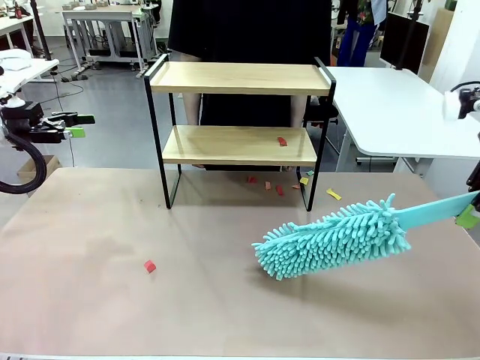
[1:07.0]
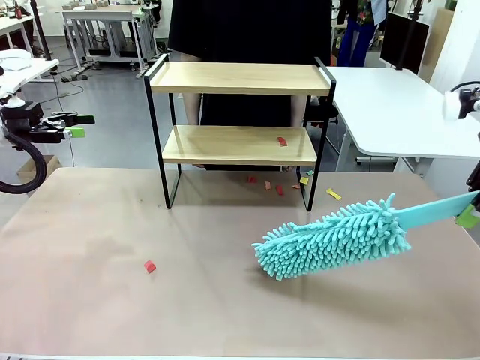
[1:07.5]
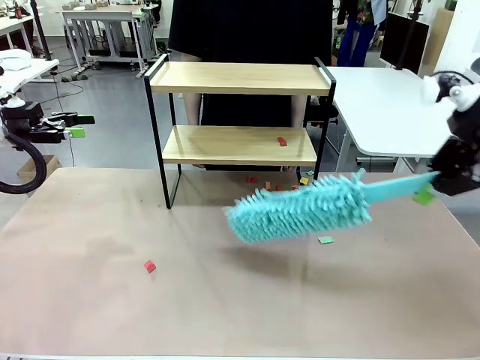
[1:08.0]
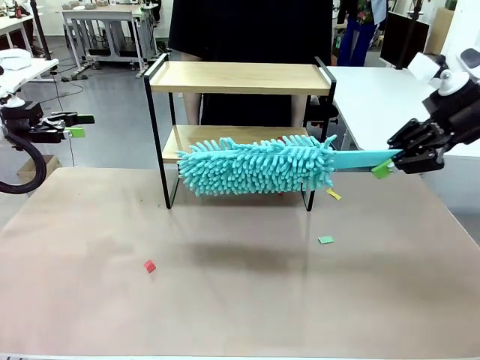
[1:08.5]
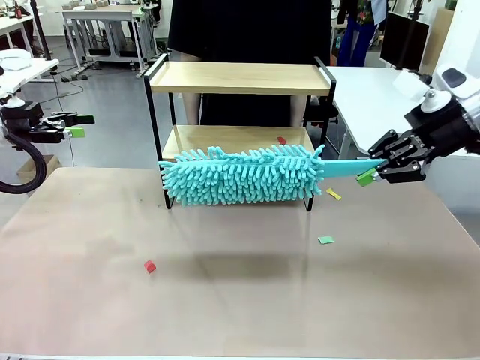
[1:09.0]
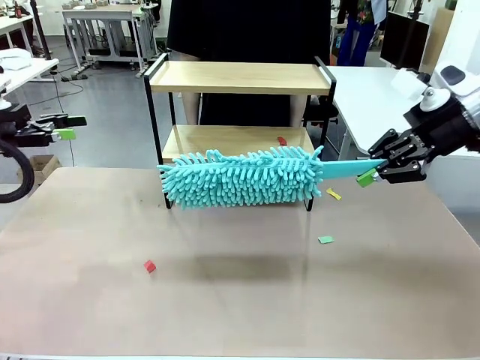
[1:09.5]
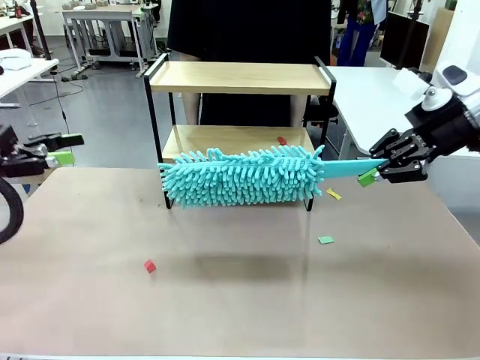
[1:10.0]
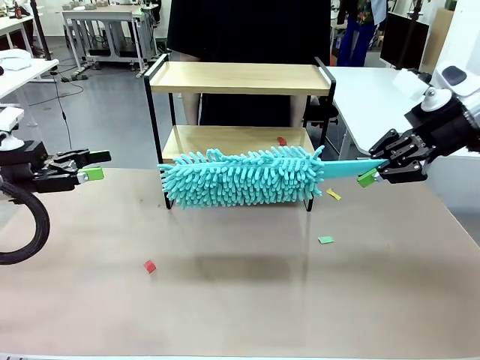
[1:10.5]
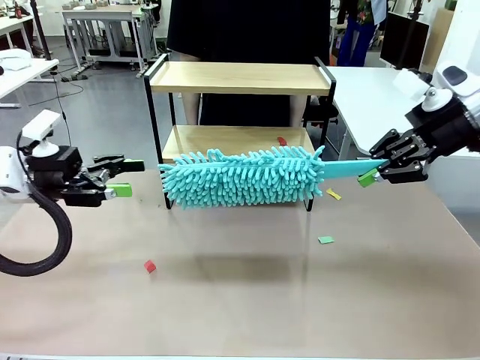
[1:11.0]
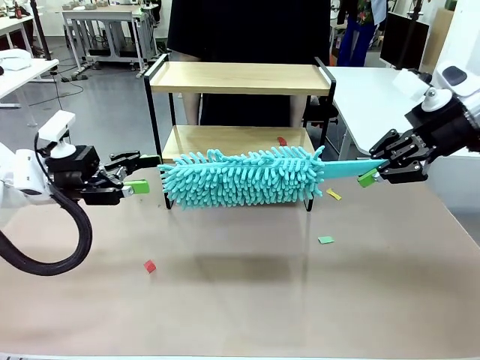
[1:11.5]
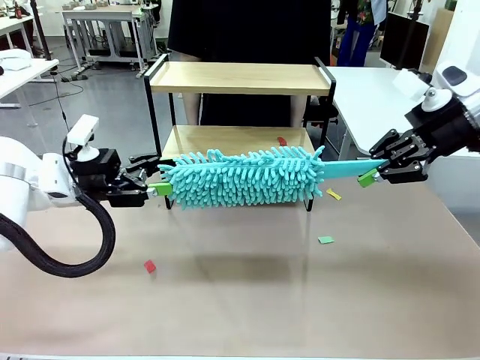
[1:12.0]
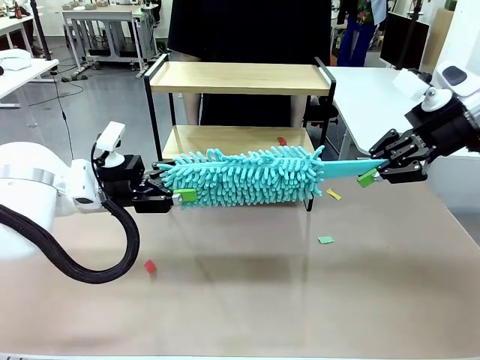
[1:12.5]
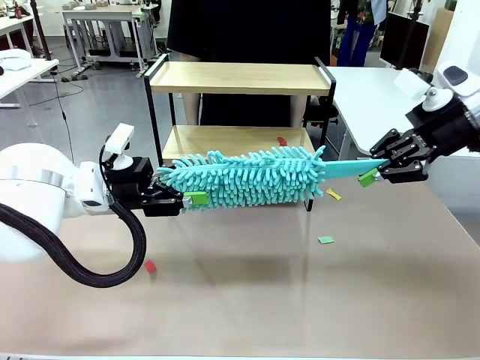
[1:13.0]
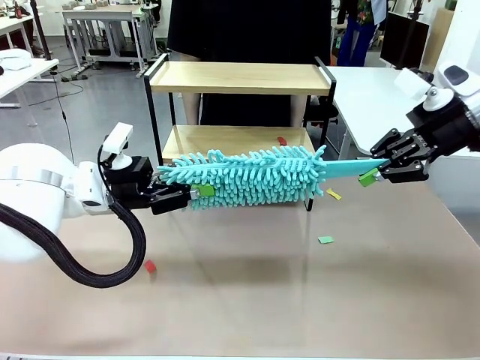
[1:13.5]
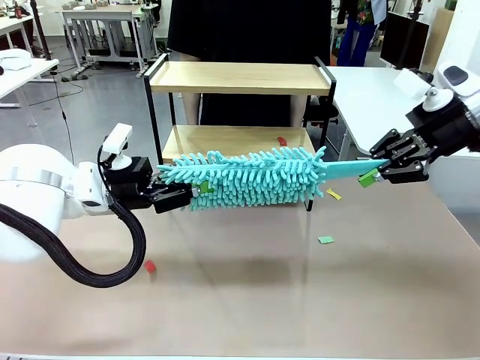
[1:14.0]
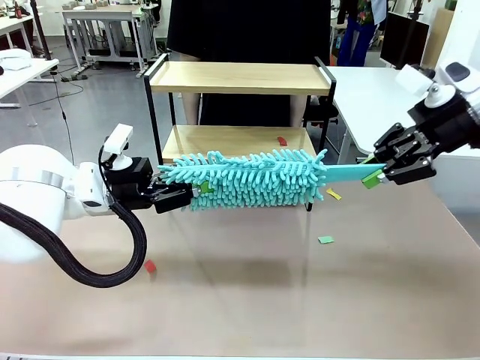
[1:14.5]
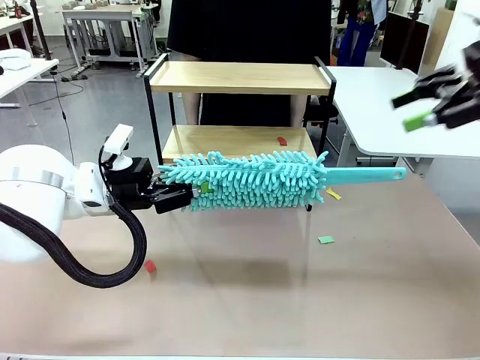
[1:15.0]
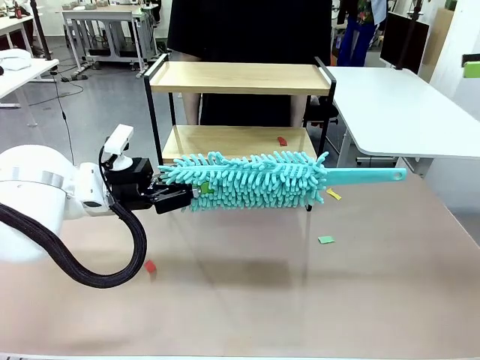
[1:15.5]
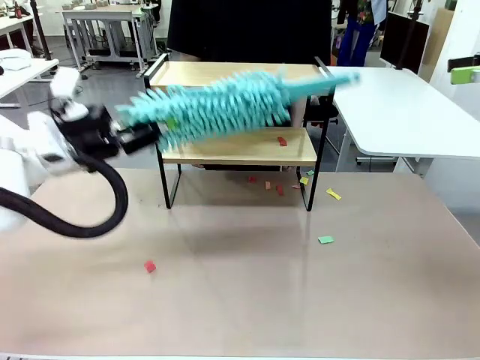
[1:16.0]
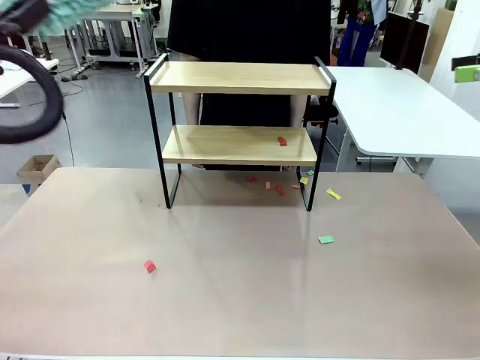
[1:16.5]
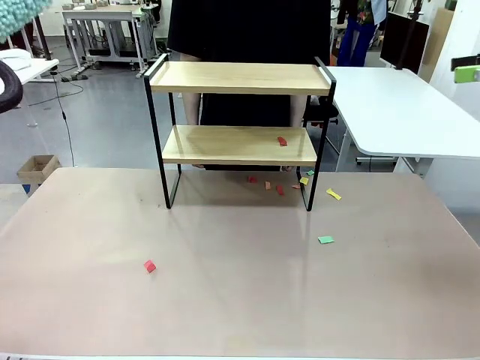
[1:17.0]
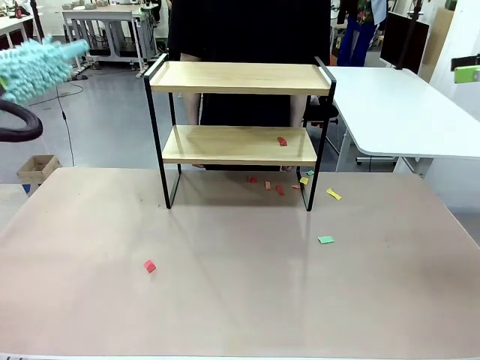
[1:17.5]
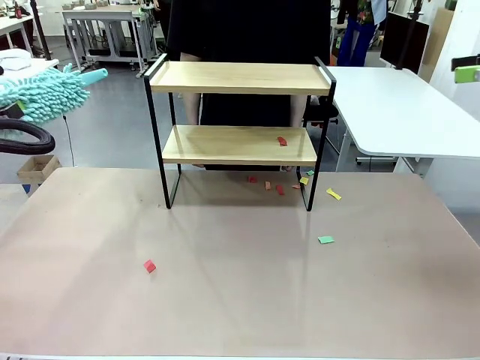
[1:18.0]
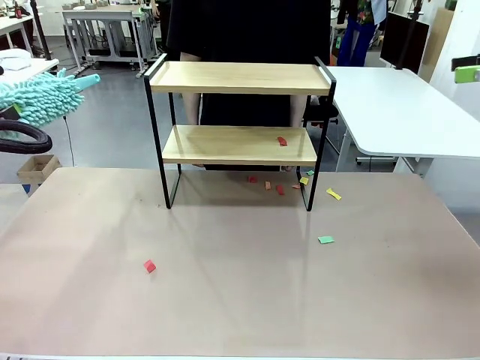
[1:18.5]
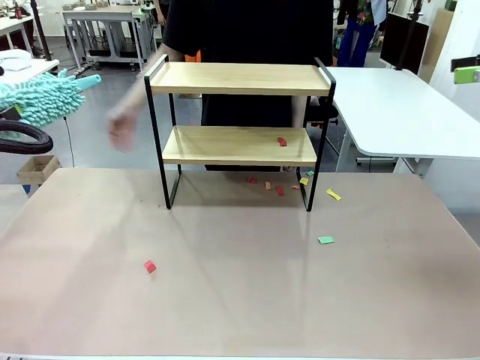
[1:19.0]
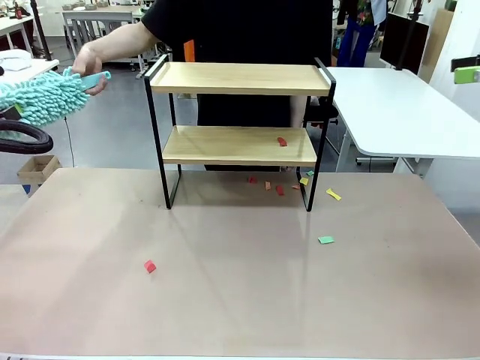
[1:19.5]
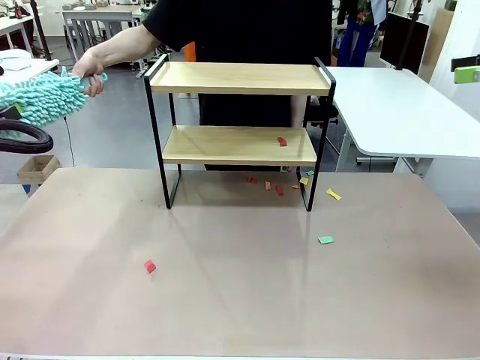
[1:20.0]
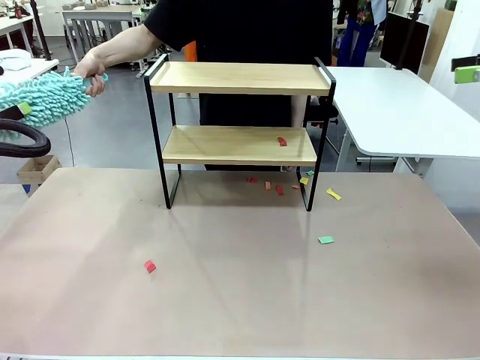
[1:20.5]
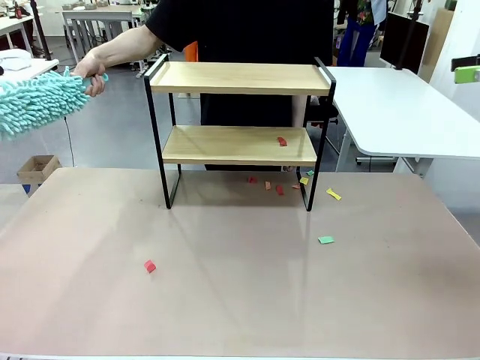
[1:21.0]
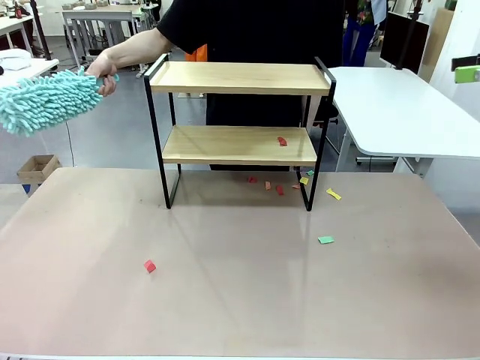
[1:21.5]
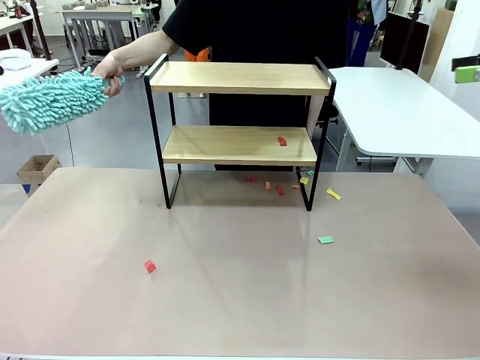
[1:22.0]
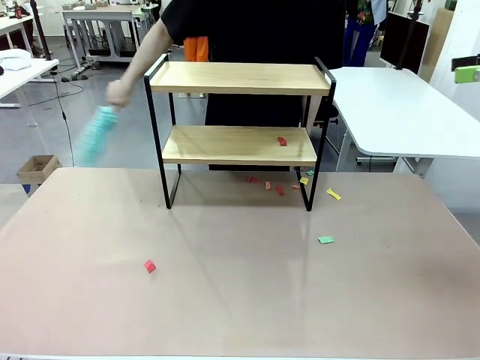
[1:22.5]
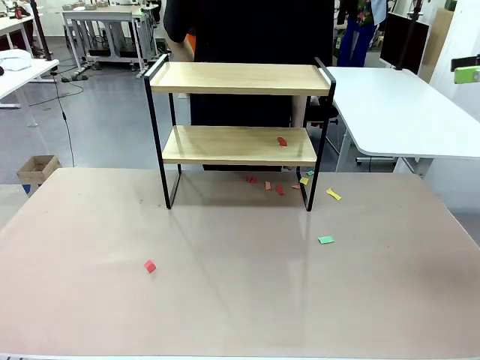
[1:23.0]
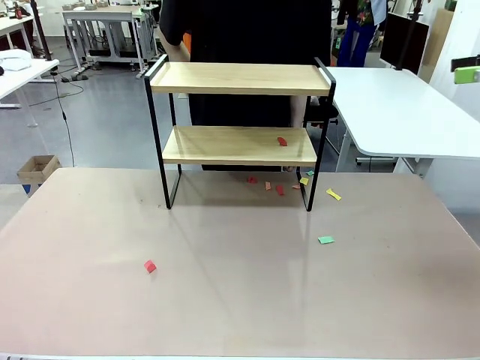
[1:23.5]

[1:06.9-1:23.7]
Task: Clean the shelf.
Robot: Hand the Duster back to the human.
Person: Receive the Duster from the robot.

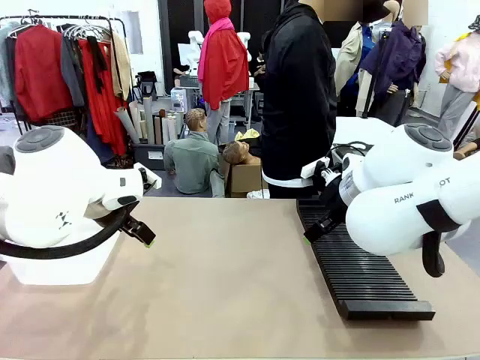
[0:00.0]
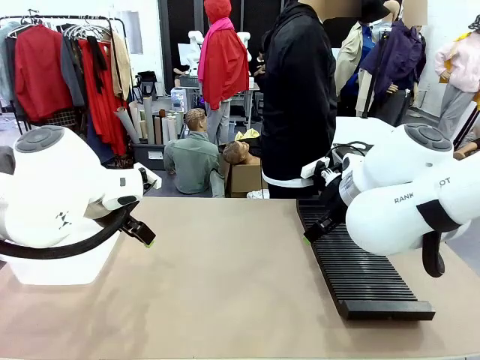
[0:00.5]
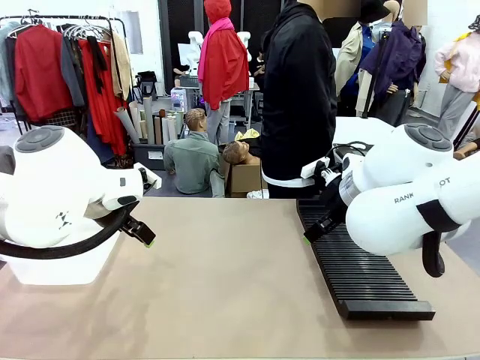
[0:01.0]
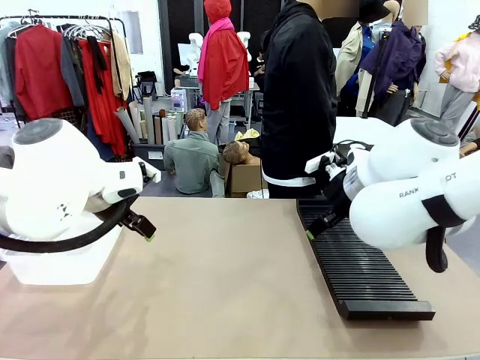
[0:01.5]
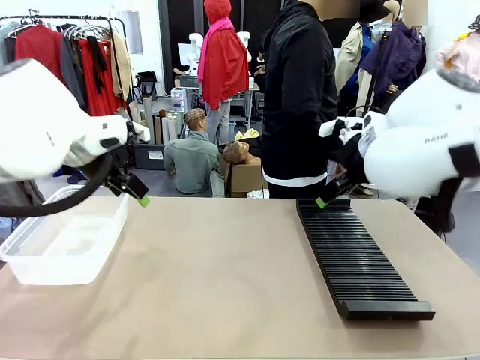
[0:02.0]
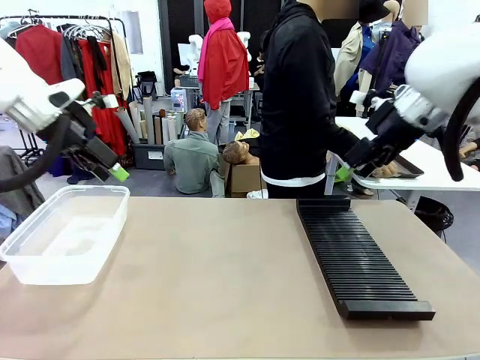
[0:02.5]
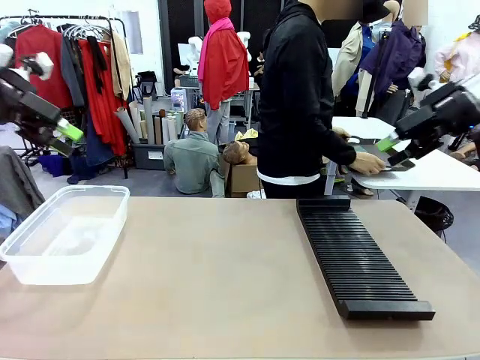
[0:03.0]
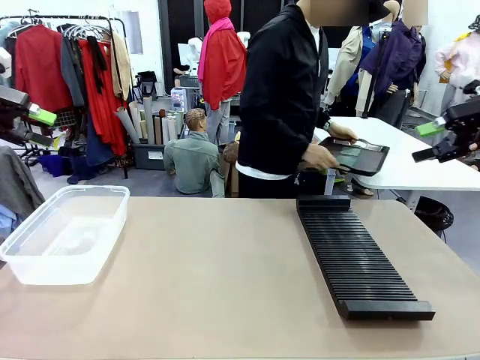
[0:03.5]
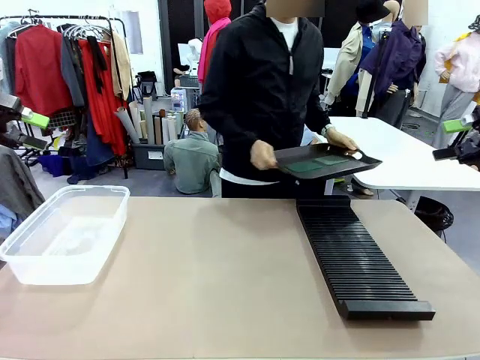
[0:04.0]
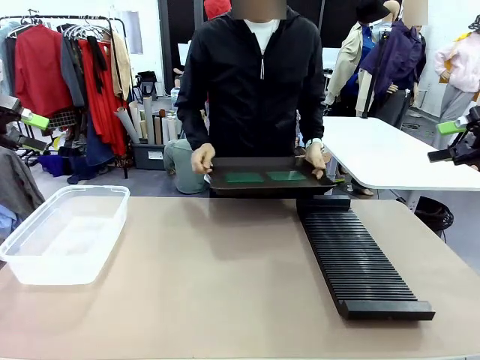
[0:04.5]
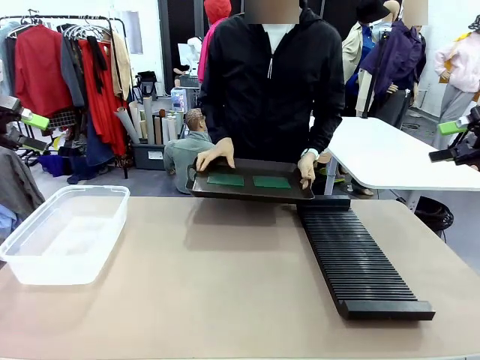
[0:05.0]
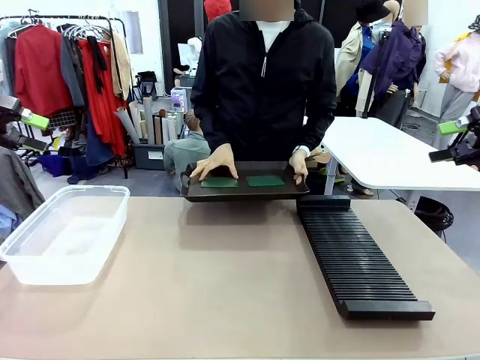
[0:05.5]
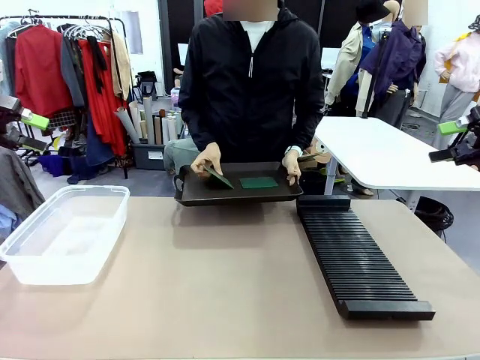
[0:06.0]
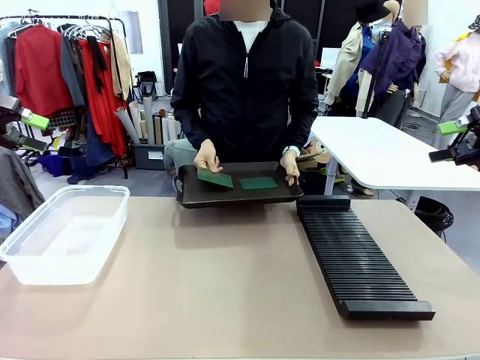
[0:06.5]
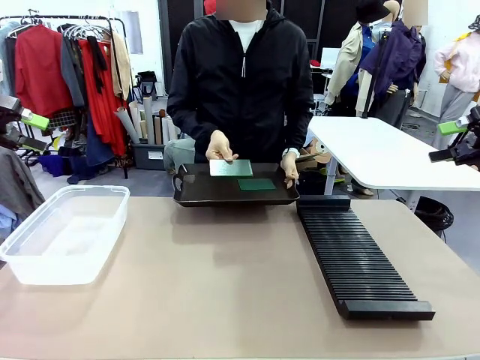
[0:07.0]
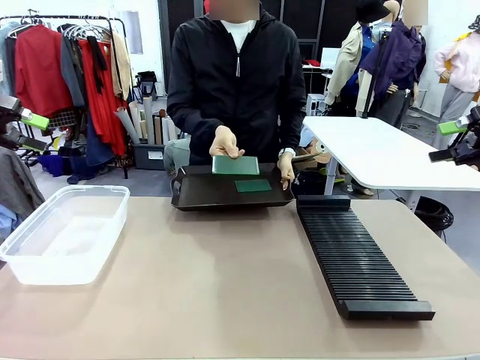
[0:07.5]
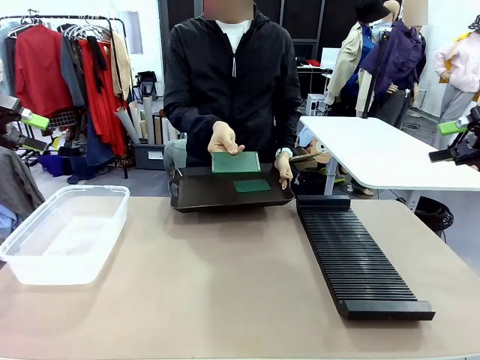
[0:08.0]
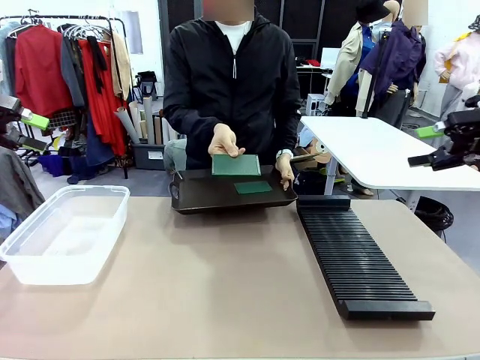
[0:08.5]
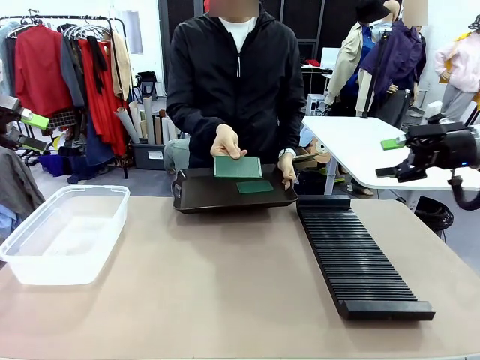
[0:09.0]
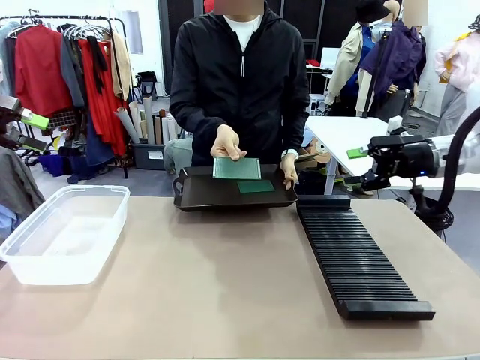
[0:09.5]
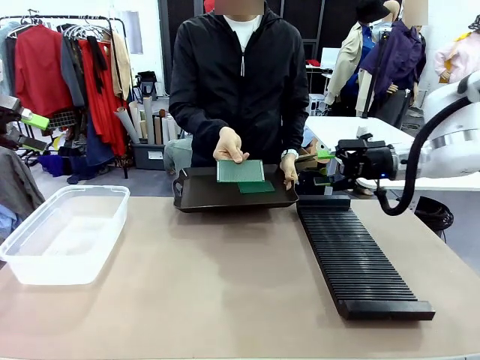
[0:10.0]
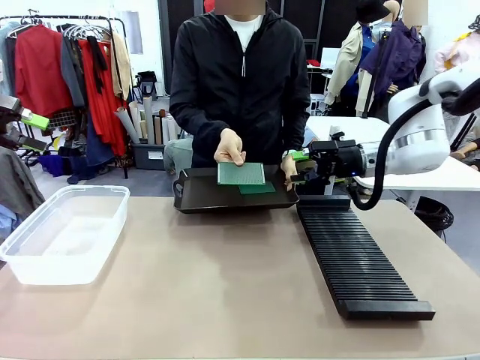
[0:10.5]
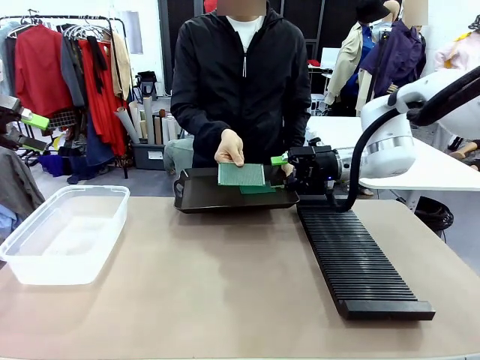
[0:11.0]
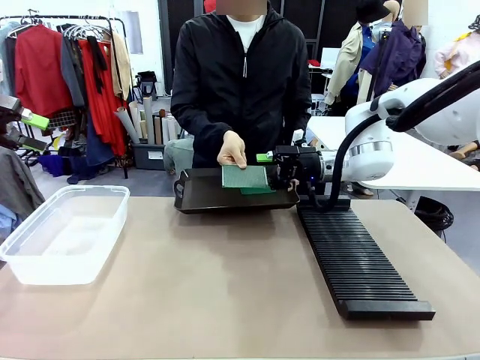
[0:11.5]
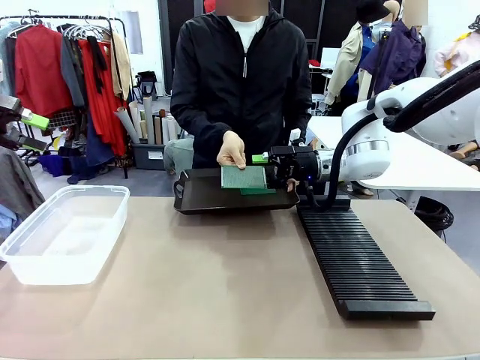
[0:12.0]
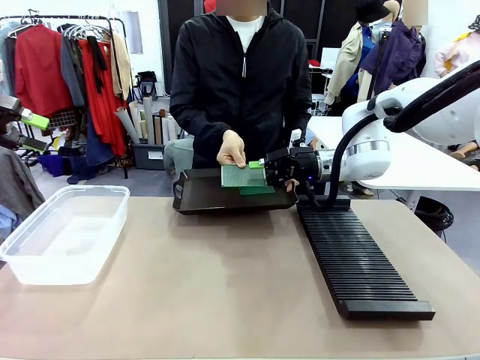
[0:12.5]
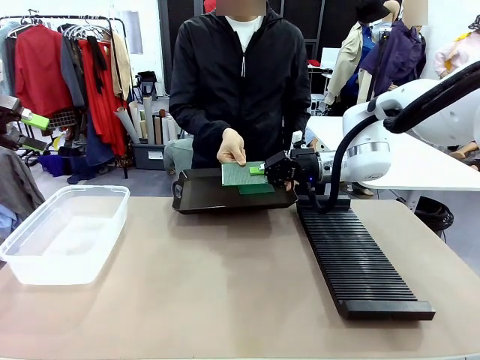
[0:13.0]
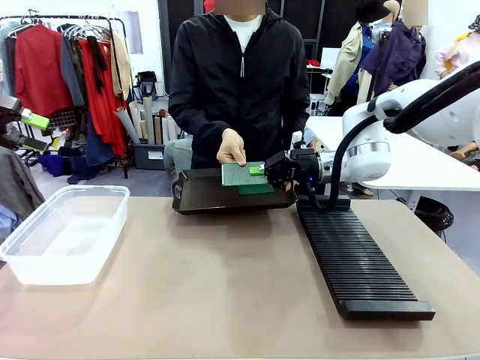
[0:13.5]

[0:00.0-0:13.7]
Task: Sort PCBs into racks and boxes based on the side picked up.
Robot: Pick up the Blank PCB handed by the Human.
Person: Pick one PCB from the tray and present it to the robot. Release the PCB being held.
